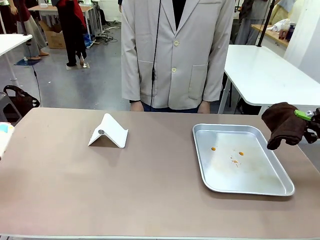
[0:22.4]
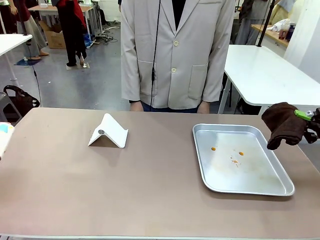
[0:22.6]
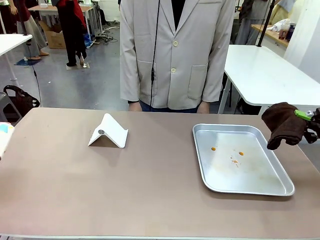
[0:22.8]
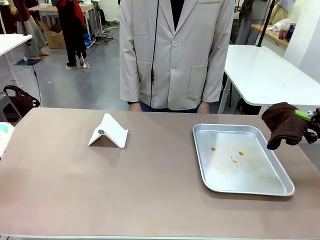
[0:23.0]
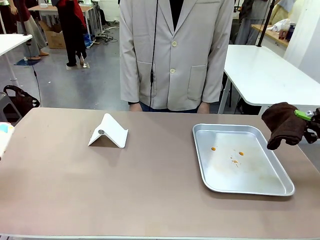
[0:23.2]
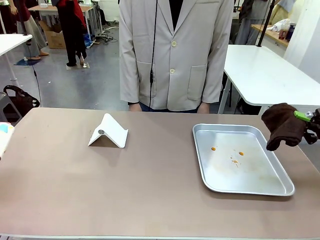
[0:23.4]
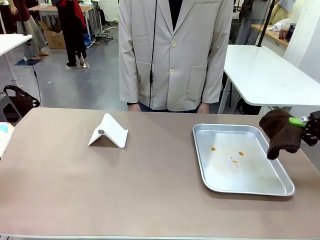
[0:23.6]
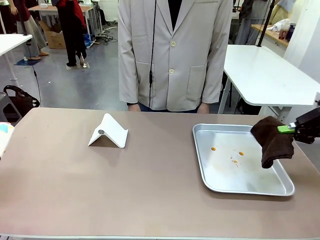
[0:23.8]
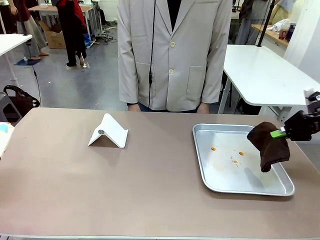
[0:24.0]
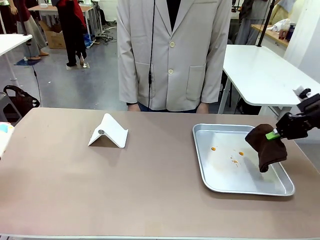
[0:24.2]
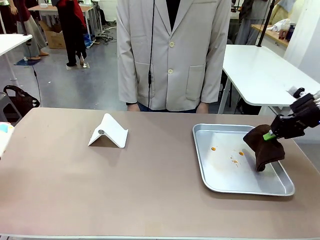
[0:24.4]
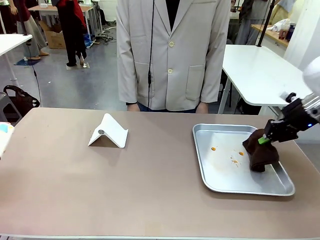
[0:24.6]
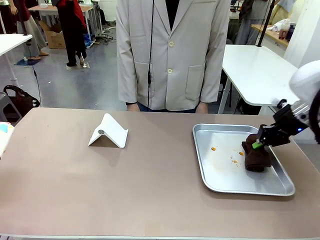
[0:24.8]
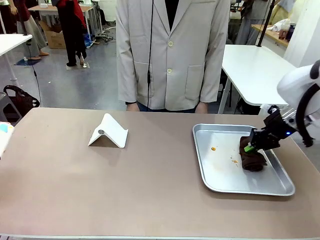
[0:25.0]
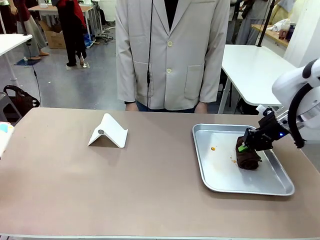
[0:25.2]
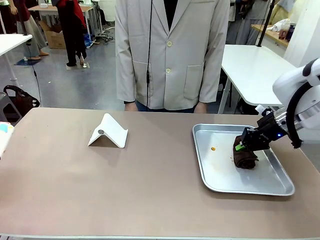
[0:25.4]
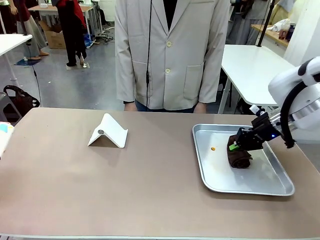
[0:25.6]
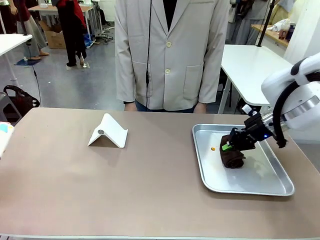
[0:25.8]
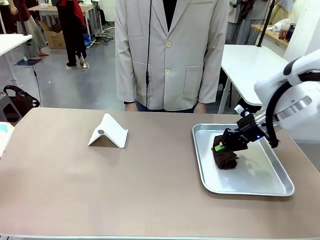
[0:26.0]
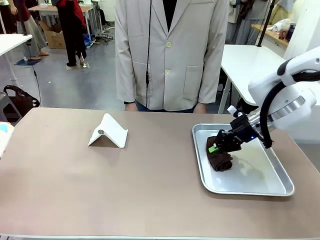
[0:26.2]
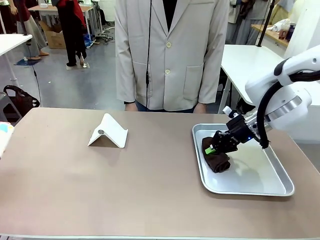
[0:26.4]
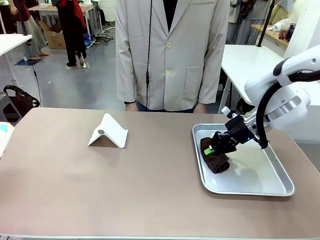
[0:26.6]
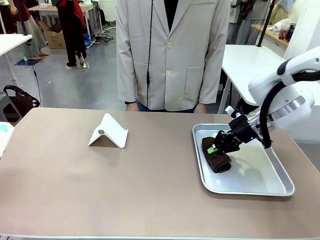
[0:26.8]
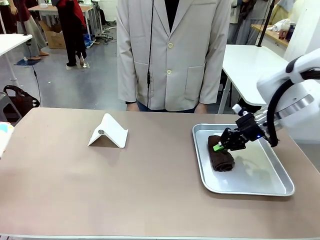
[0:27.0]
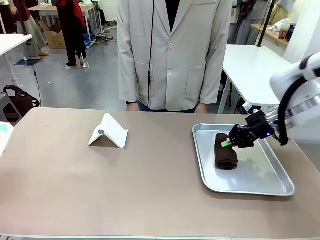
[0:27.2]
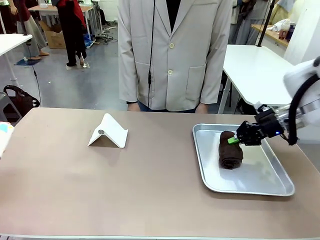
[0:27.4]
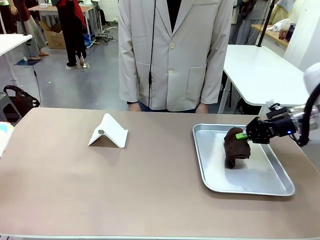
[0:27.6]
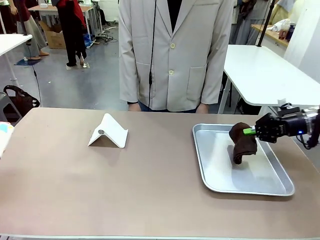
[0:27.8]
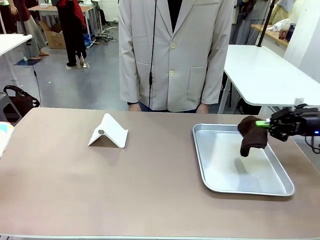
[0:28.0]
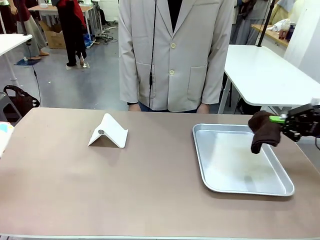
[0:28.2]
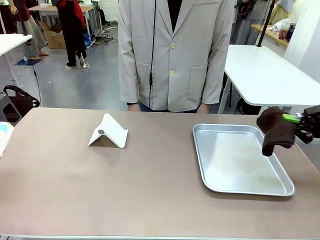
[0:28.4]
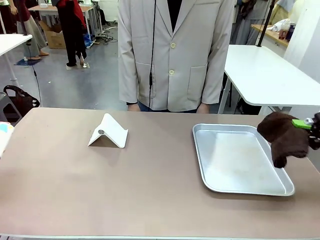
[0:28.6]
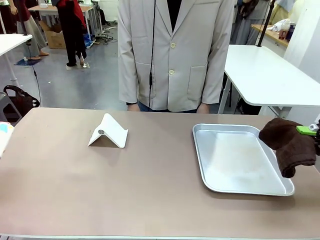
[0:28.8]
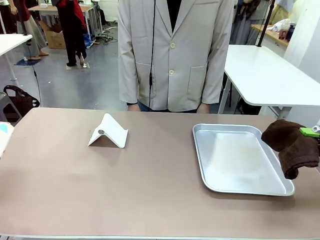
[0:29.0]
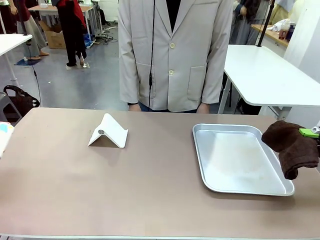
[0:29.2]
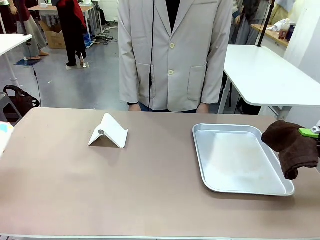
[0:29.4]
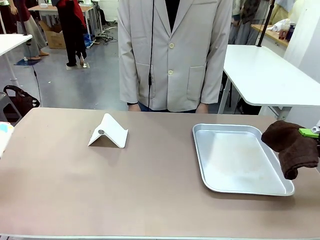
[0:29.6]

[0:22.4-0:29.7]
Task: Clean the surface of the table.
Robot: Clean the area not pointed to by the person.

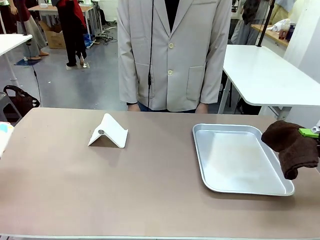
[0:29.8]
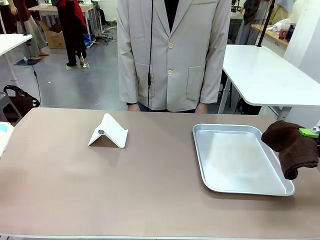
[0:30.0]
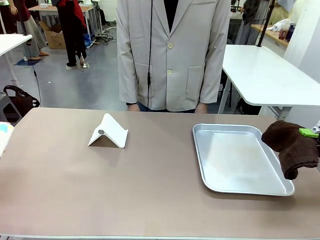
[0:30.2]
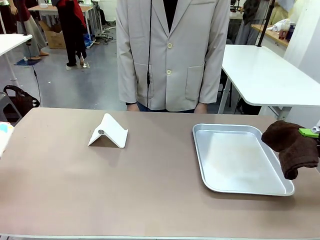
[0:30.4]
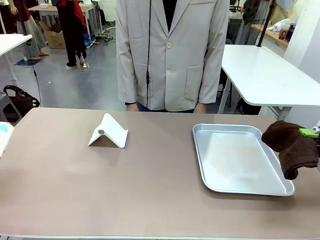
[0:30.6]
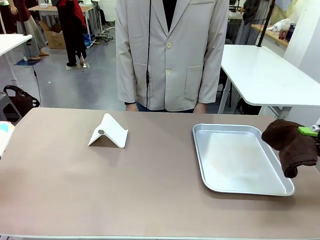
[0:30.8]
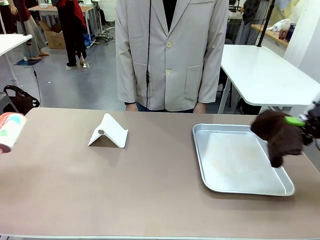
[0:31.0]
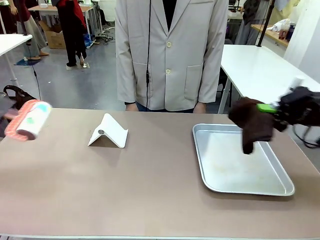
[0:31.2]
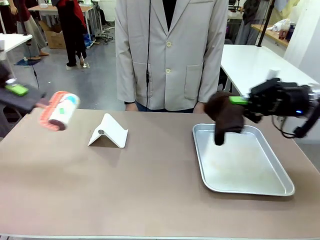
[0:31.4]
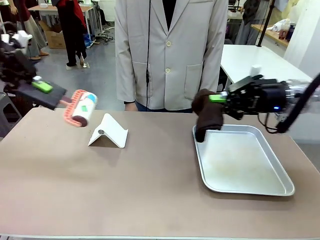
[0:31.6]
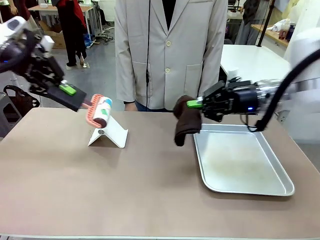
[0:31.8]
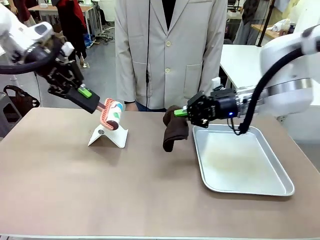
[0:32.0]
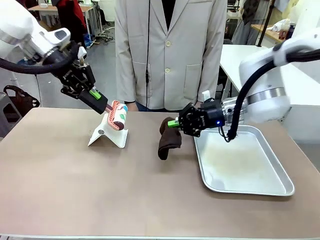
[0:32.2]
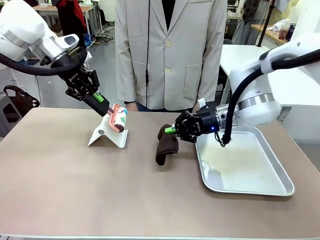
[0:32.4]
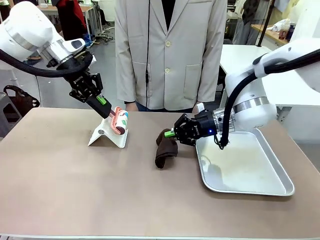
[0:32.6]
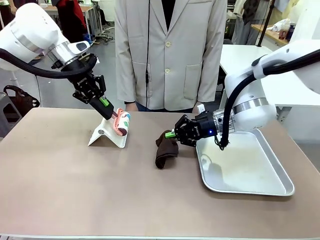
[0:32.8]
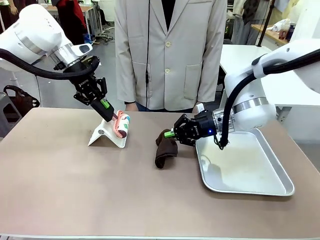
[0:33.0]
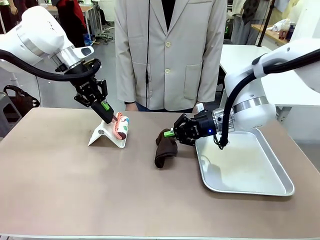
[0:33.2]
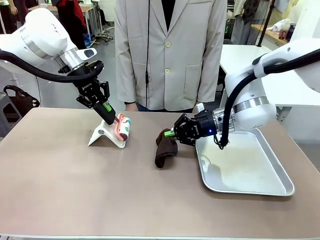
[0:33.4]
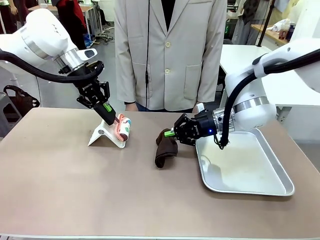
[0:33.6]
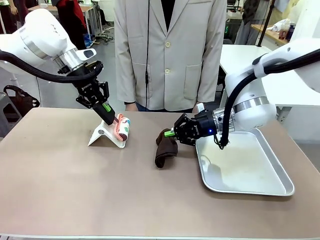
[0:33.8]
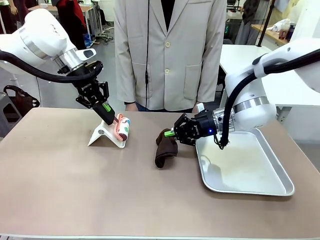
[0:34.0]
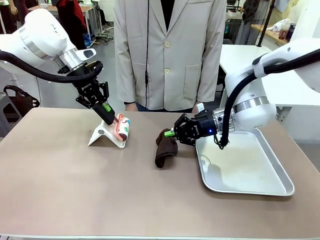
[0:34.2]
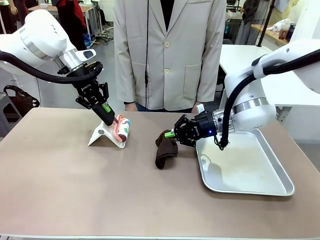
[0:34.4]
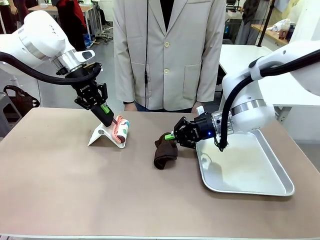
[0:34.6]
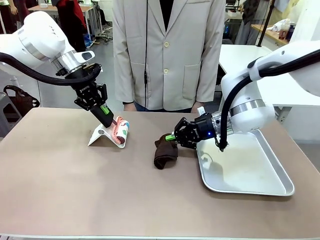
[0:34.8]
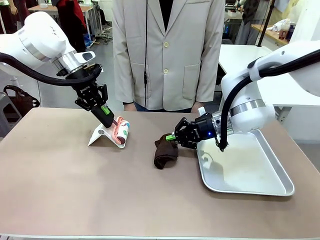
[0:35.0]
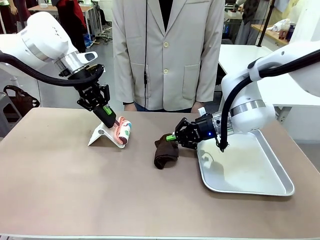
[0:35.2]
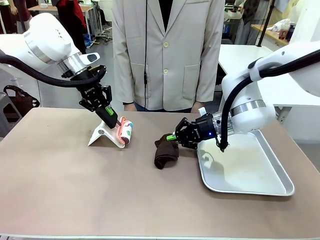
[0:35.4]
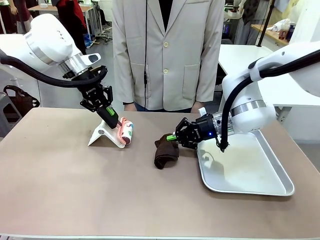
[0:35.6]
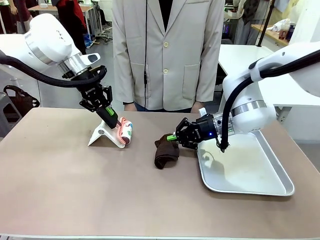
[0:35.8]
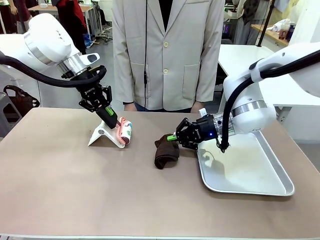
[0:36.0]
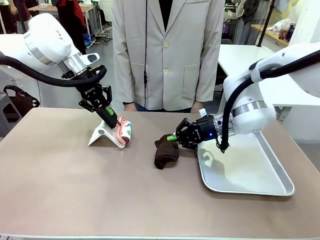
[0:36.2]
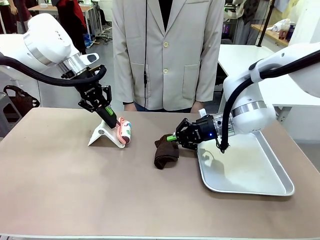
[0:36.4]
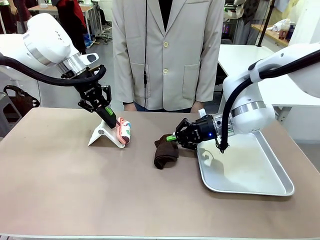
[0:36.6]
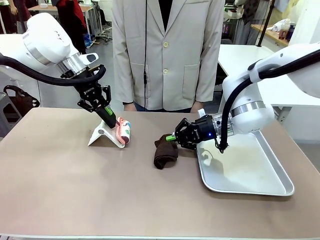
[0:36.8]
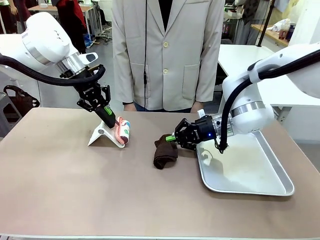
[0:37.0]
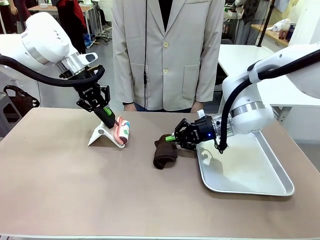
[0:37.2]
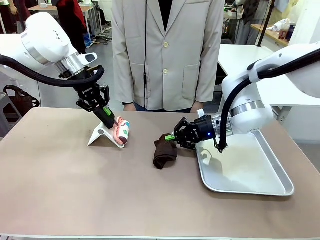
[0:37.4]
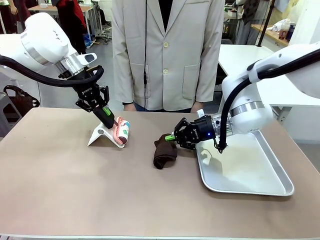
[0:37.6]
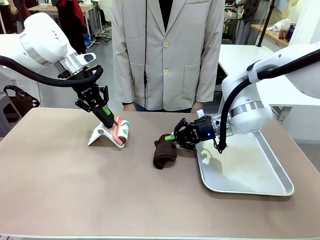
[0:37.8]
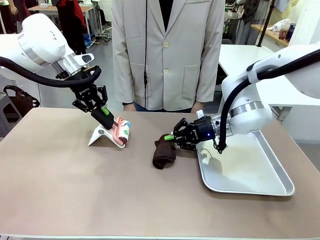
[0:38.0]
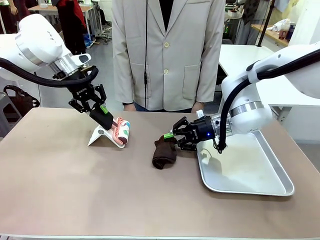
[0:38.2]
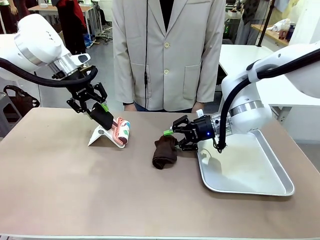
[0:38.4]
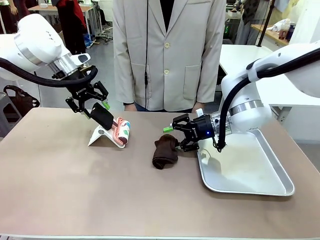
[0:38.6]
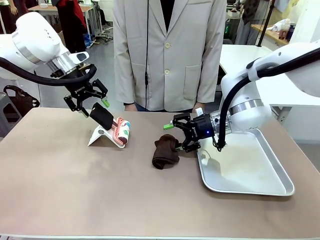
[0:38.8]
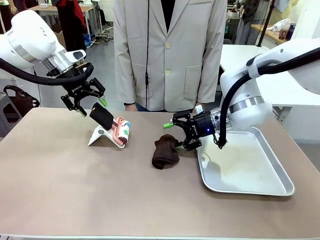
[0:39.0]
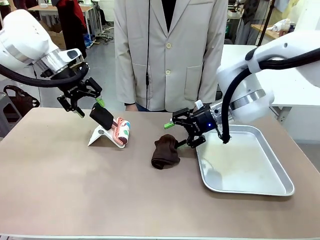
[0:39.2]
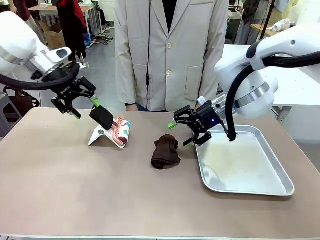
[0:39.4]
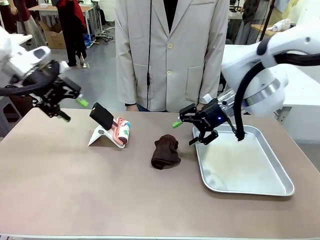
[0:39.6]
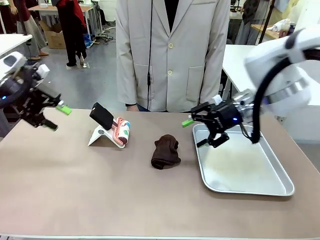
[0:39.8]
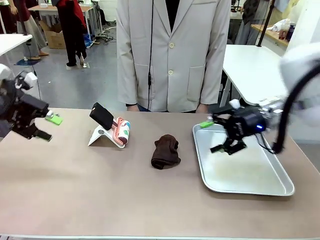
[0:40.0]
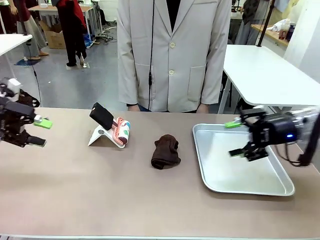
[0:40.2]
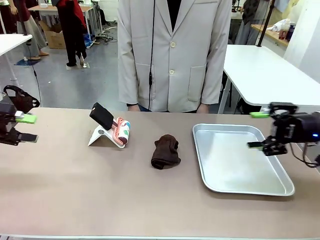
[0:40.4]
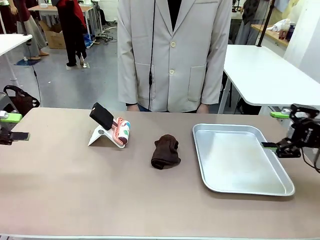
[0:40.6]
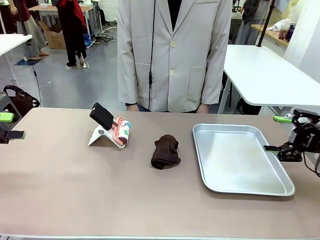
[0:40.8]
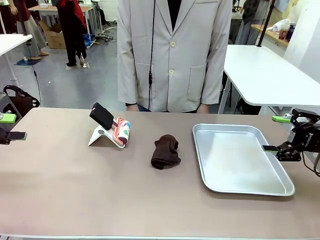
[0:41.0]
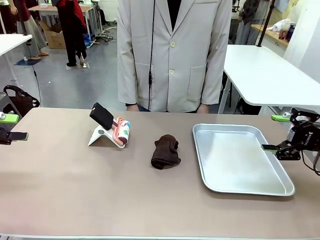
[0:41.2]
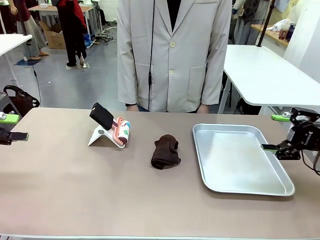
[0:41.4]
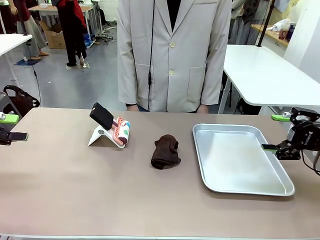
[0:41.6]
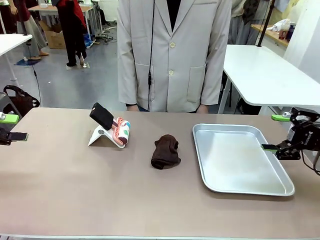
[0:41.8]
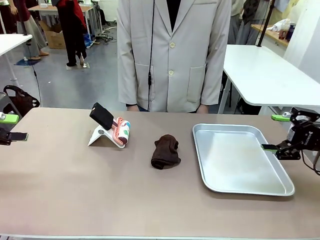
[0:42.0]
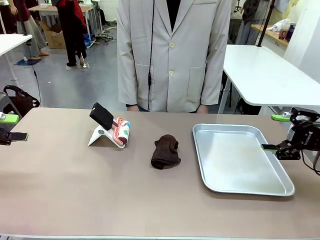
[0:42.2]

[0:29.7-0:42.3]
Robot: Return the Lint Roller and towel to their original positions.
